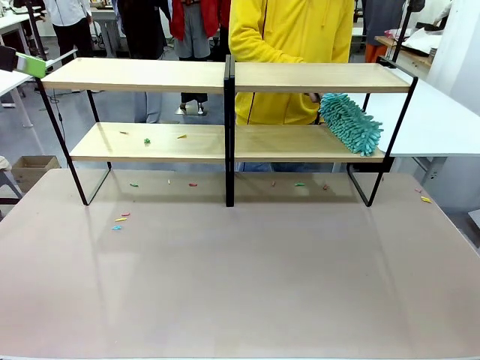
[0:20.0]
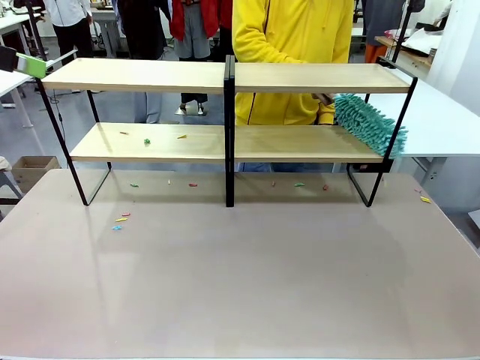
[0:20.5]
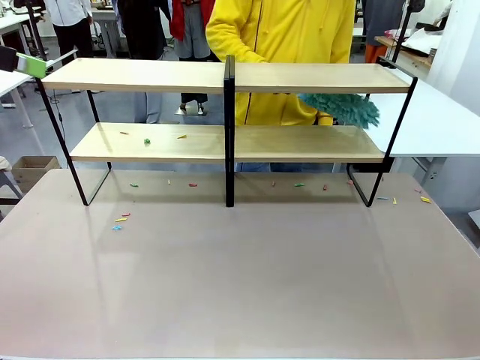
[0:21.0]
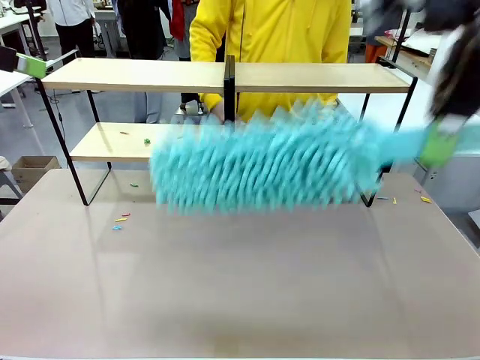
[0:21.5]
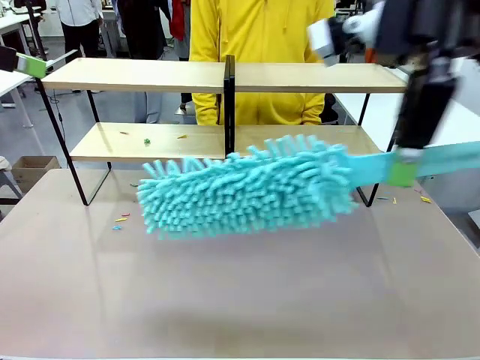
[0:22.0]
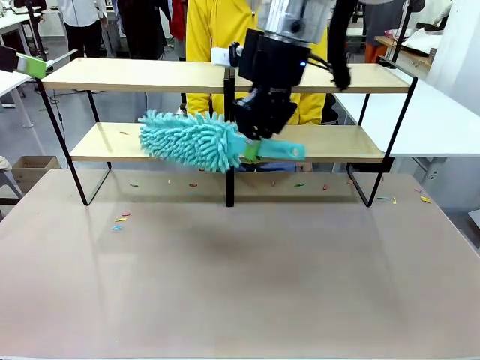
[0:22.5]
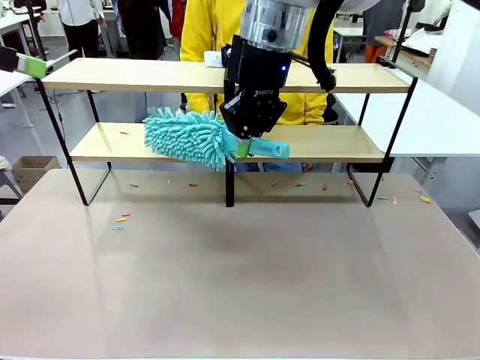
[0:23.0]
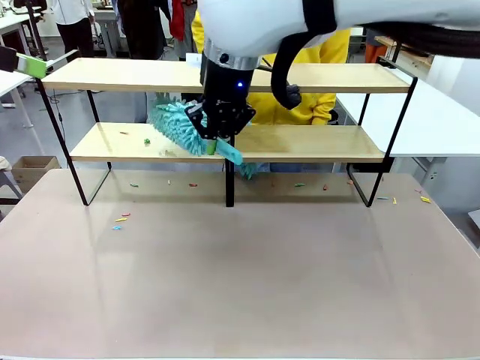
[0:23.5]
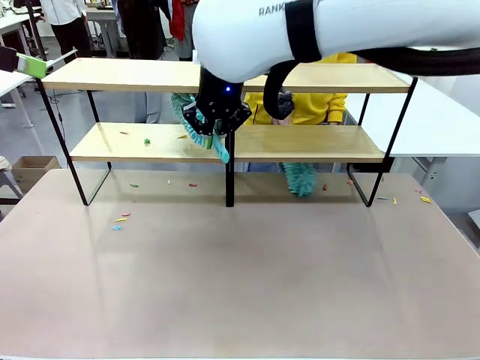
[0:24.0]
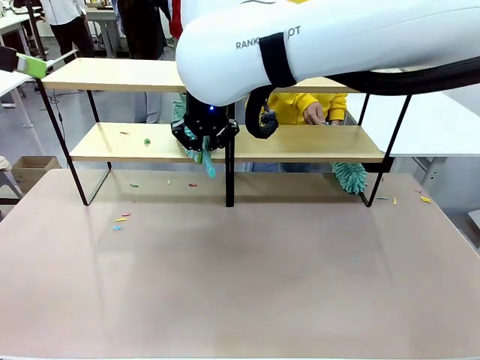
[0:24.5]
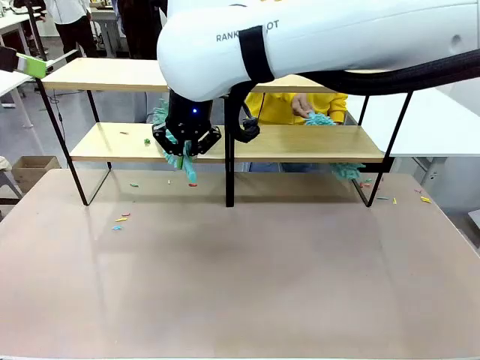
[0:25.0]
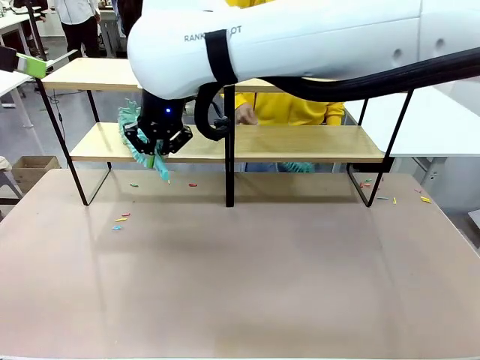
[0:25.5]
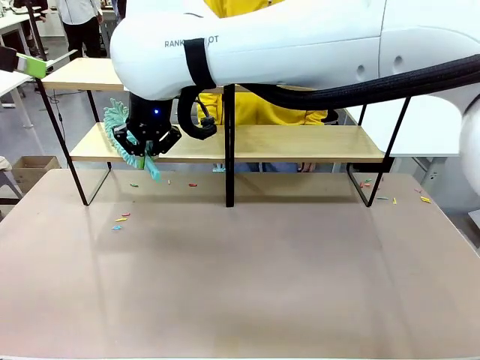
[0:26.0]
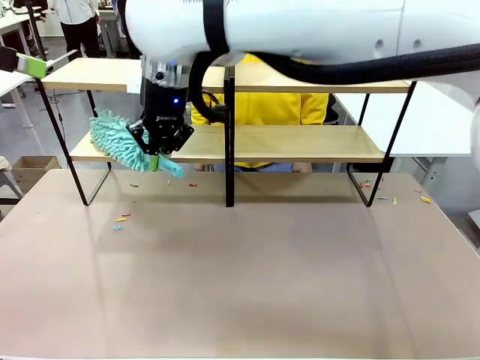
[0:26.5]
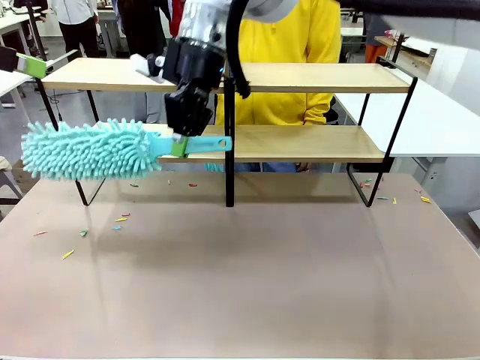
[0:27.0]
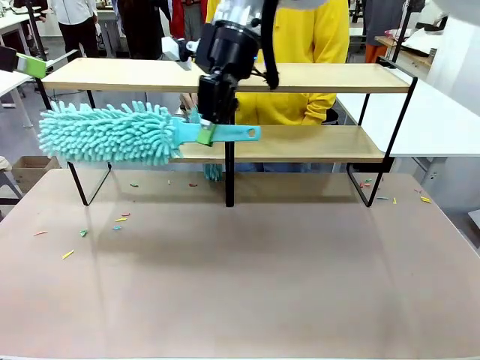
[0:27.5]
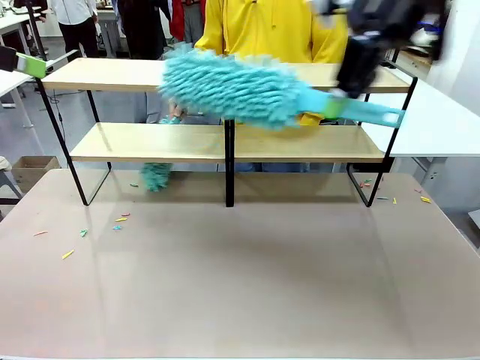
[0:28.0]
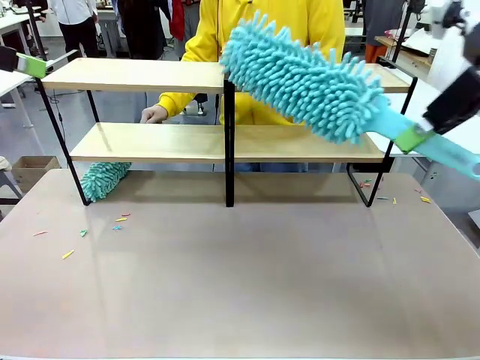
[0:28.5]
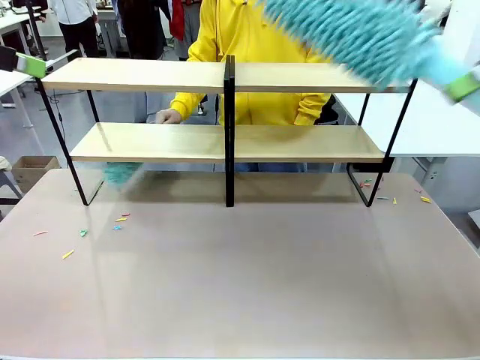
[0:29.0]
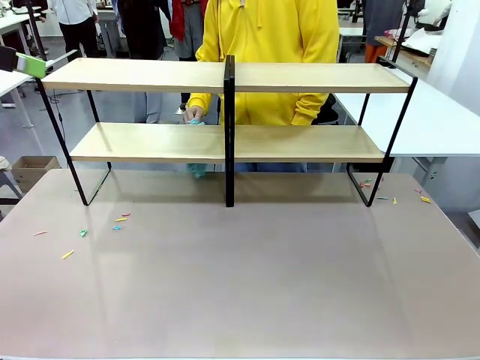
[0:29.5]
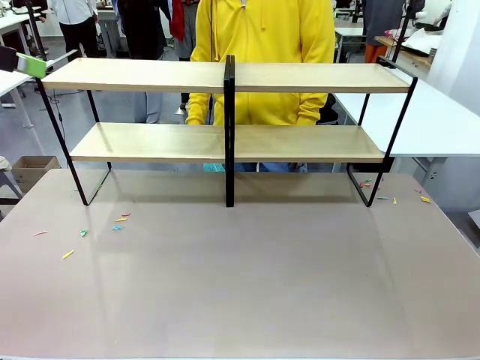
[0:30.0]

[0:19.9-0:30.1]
Task: Clean the shelves.
Robot: Clean another randomly selected level of the Shelf with the Duster.

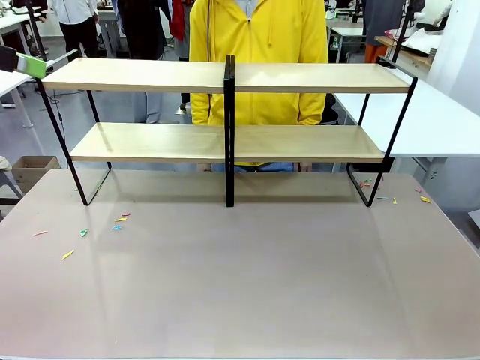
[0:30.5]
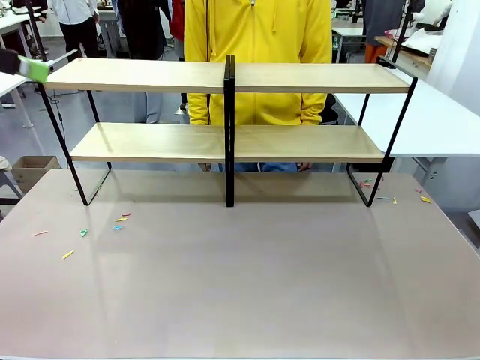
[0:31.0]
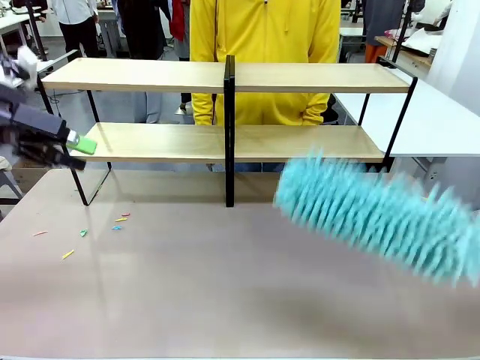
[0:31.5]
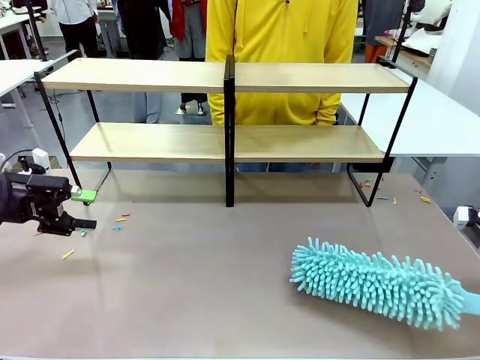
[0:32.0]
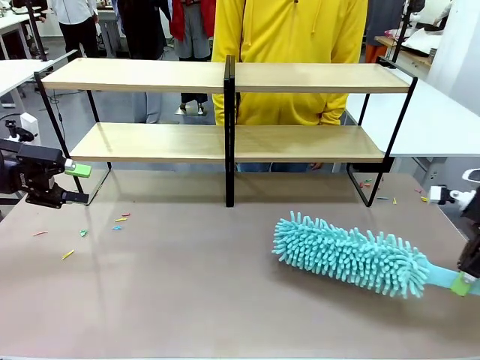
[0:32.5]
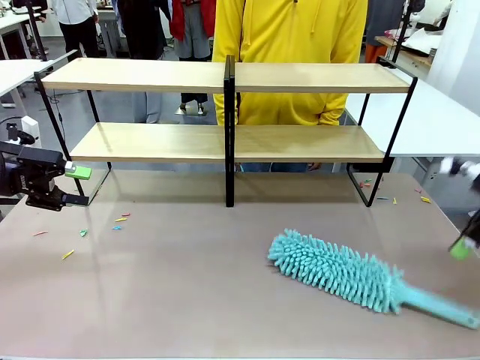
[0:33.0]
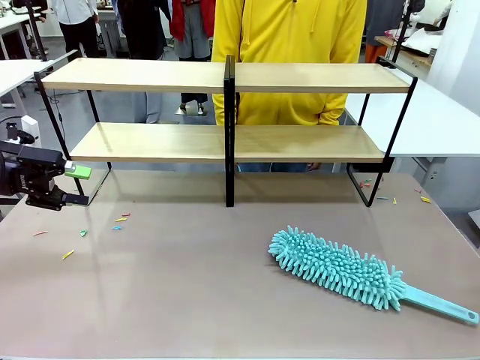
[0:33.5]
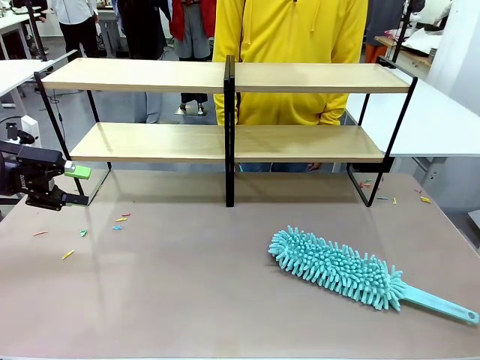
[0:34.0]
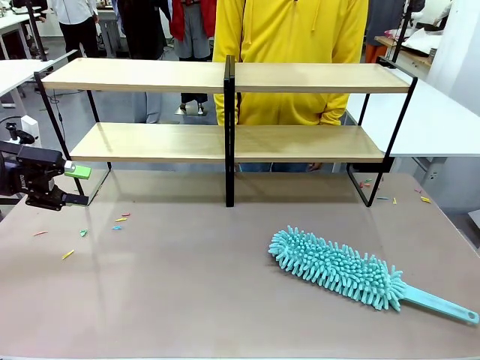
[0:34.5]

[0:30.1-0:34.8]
Robot: Place the Duster on the table.

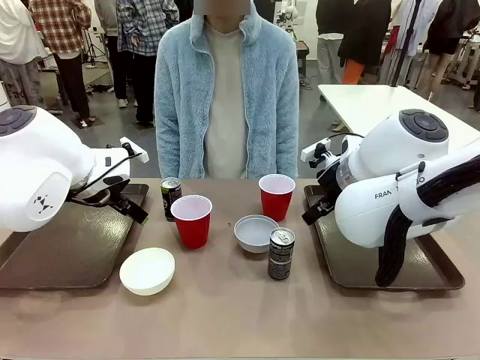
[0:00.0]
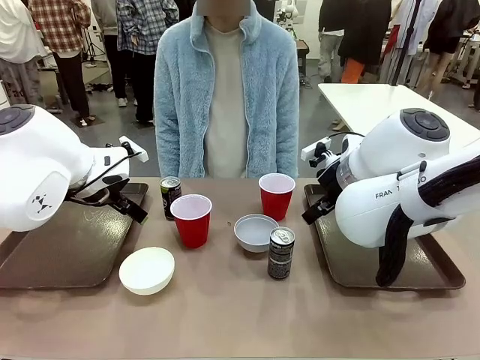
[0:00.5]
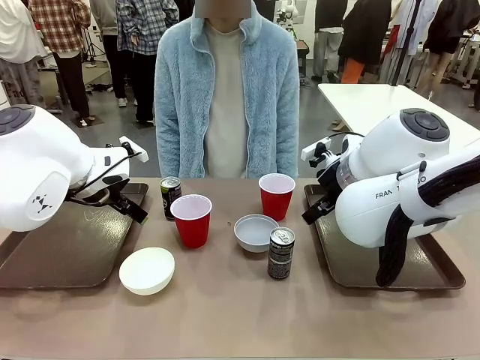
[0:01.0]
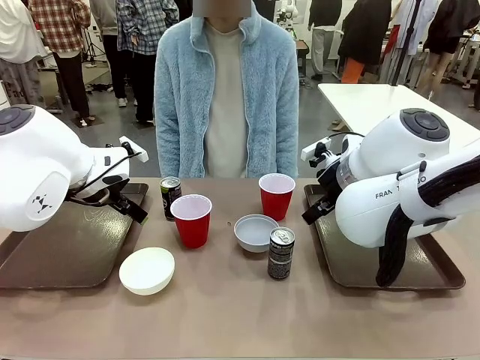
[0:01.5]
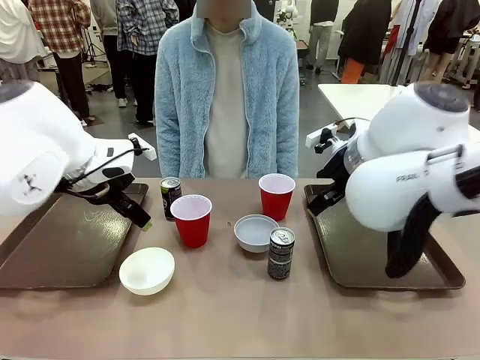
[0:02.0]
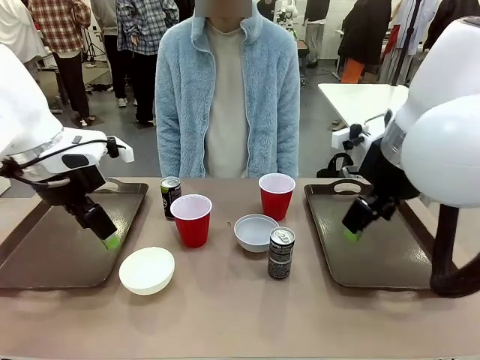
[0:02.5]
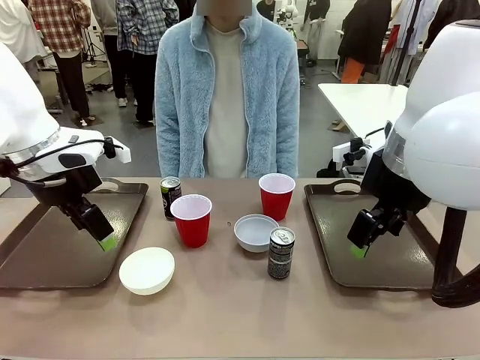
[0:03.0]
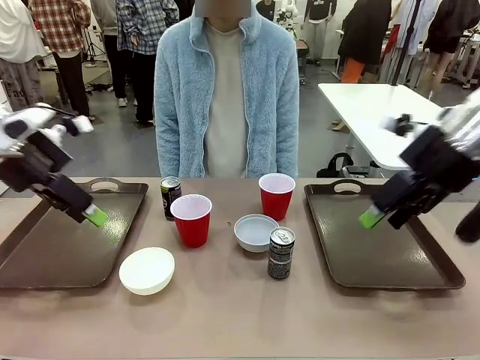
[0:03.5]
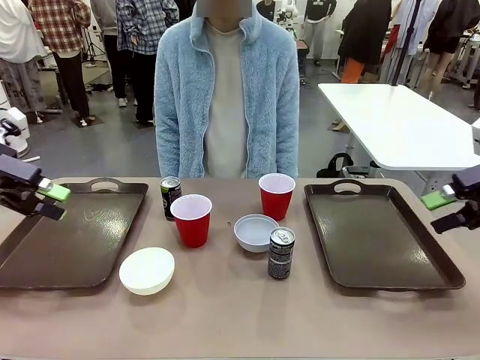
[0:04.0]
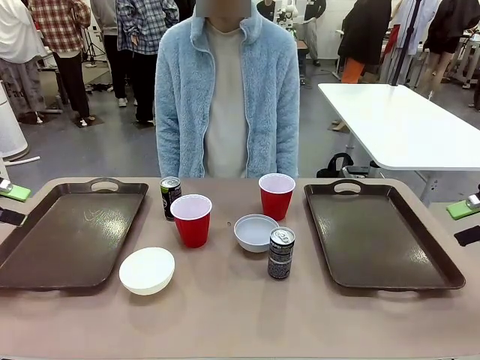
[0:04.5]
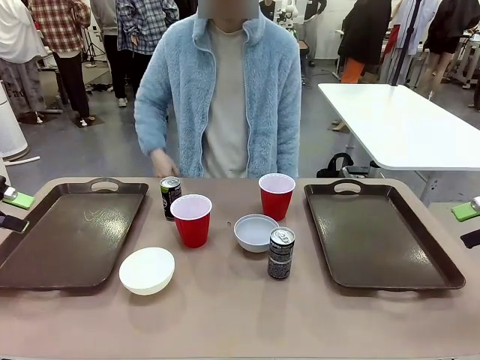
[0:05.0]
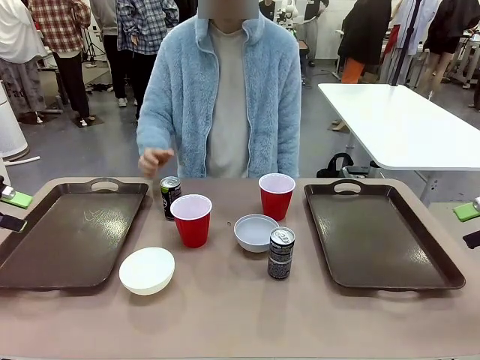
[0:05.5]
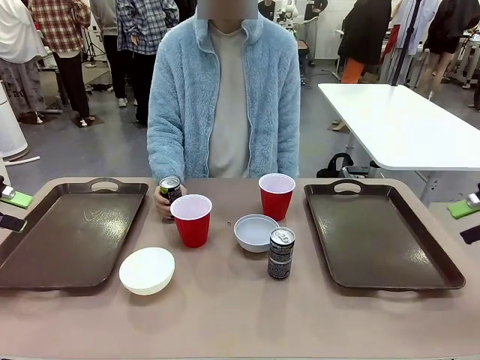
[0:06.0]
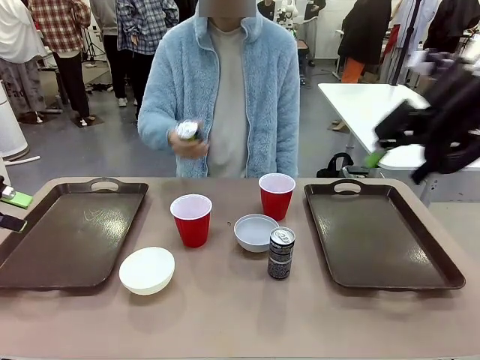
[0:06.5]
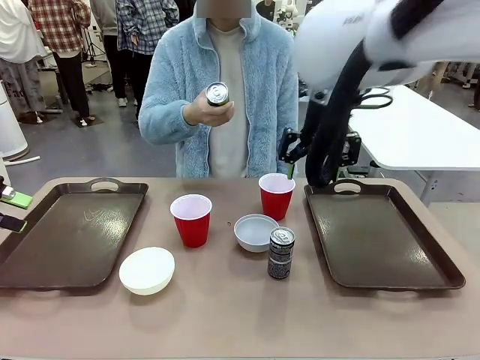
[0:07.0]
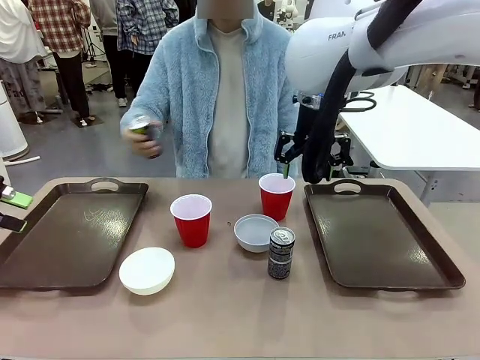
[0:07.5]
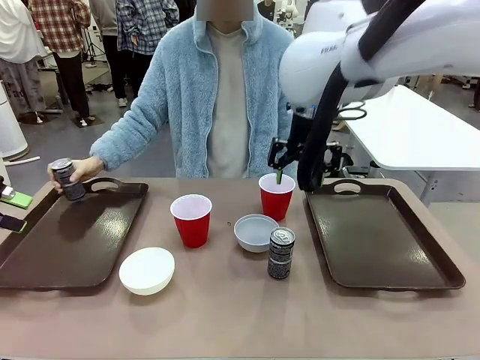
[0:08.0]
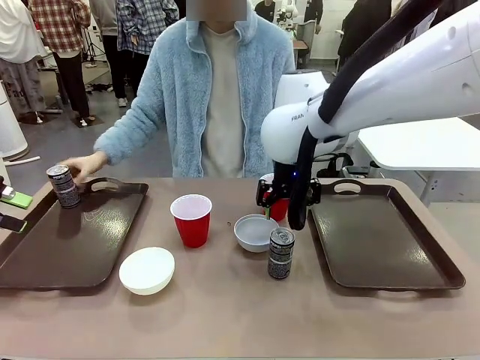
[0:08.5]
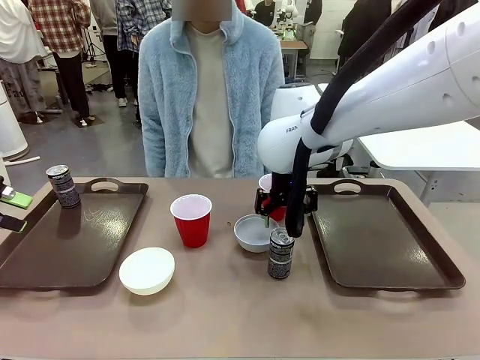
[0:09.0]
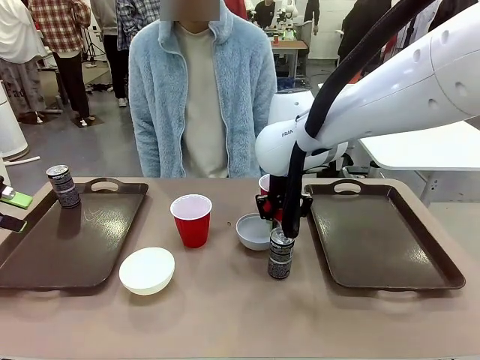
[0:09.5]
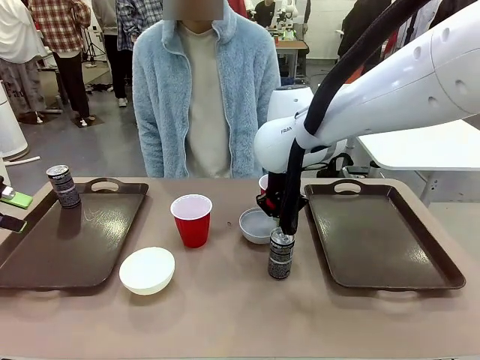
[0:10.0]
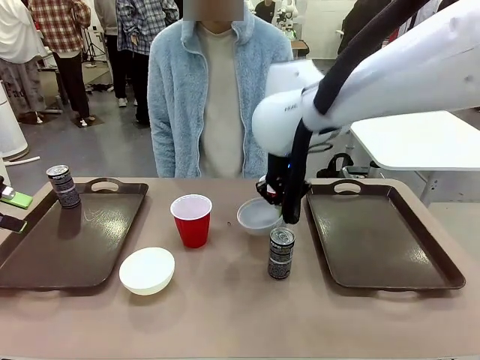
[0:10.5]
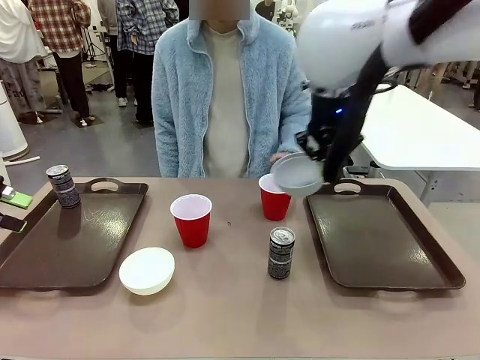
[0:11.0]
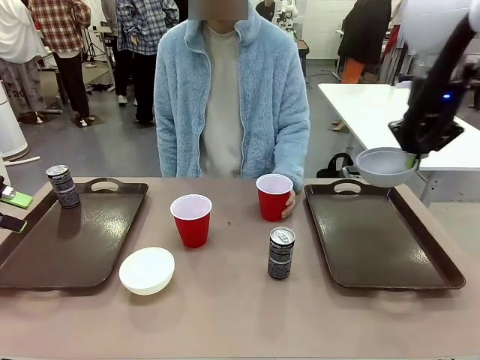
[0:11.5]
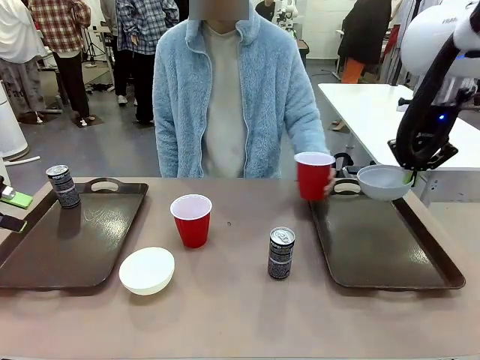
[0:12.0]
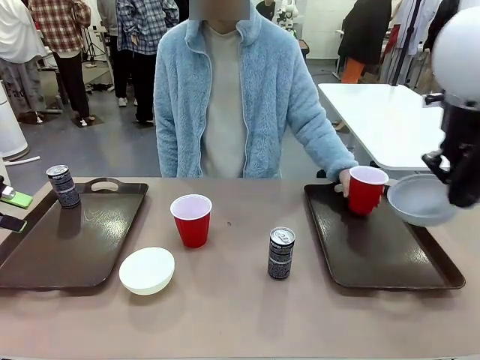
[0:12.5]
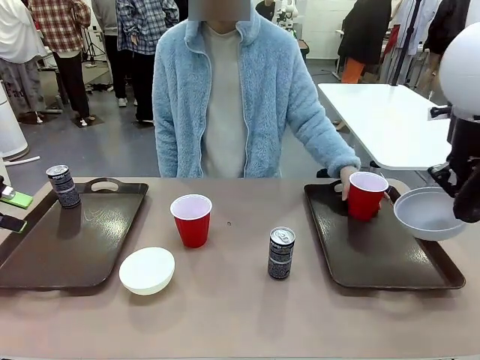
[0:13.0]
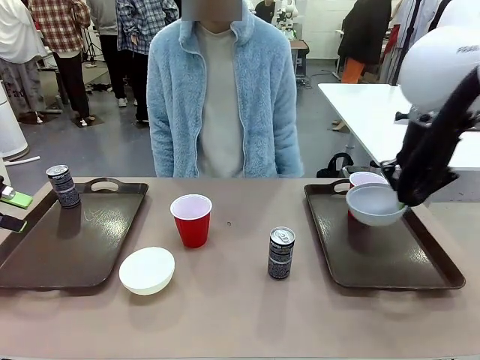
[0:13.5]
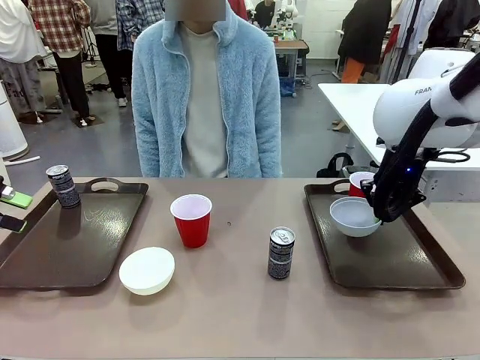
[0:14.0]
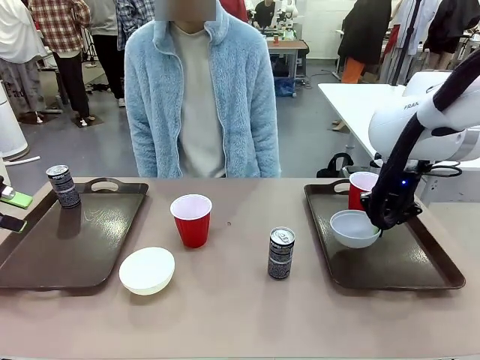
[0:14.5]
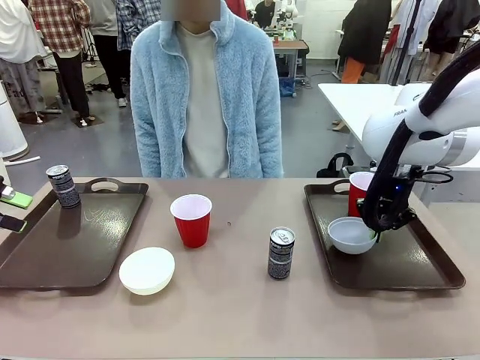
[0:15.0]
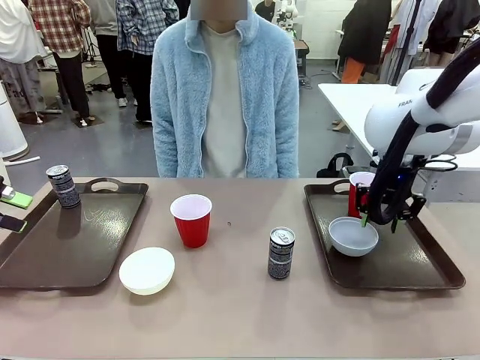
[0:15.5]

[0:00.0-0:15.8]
Task: Prepare tableware on both trays.
Robot: Pick up a Picnic Bowl from the table and place it on a Handle tray.
Person: Pick up a can or cup and place it on the tray.
